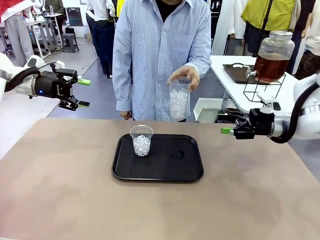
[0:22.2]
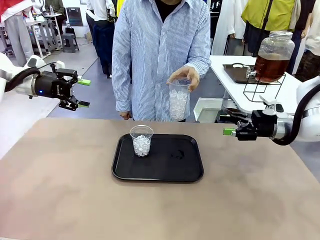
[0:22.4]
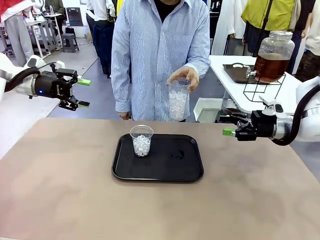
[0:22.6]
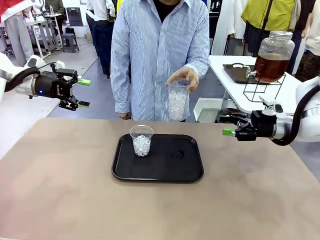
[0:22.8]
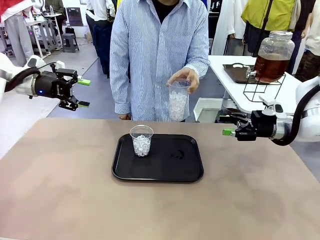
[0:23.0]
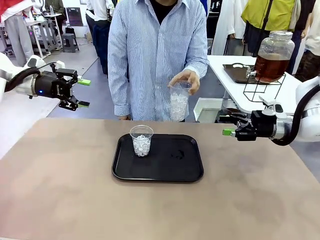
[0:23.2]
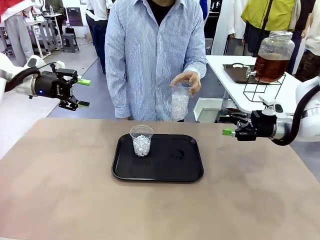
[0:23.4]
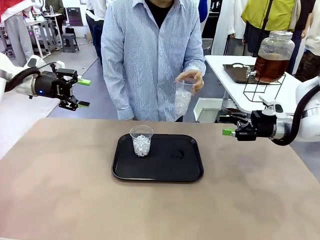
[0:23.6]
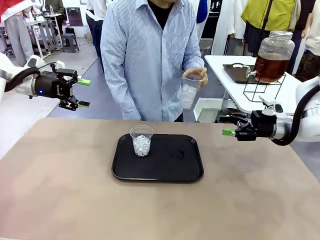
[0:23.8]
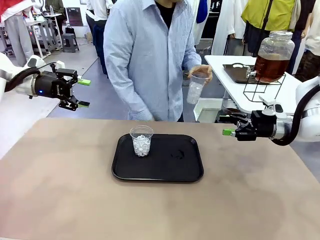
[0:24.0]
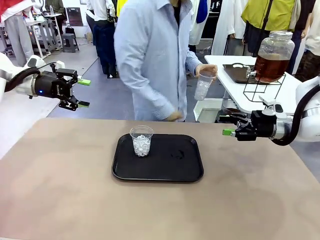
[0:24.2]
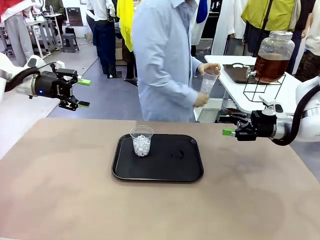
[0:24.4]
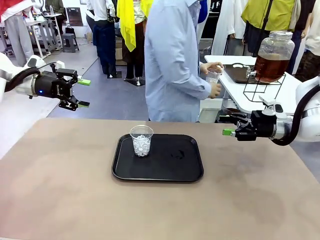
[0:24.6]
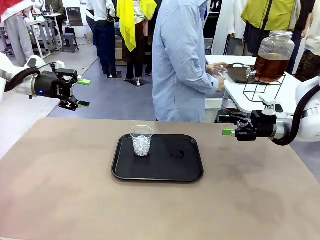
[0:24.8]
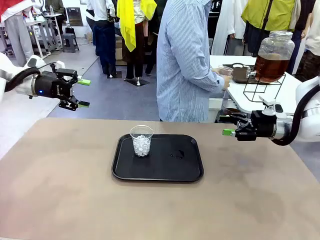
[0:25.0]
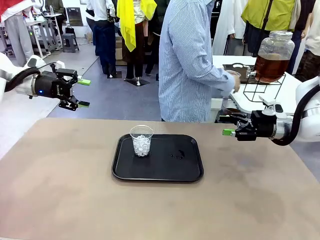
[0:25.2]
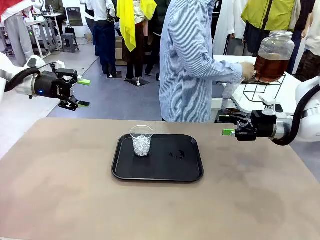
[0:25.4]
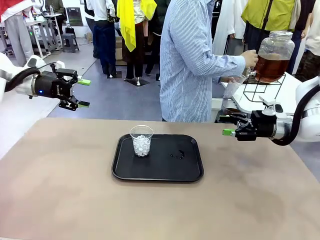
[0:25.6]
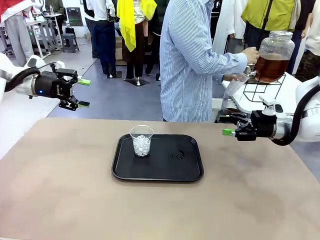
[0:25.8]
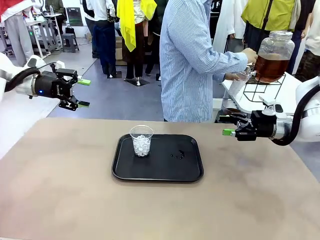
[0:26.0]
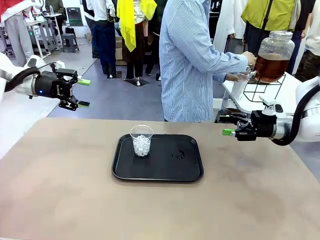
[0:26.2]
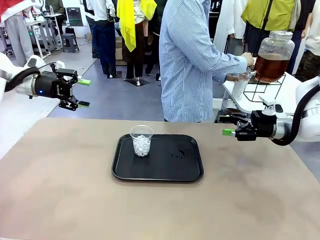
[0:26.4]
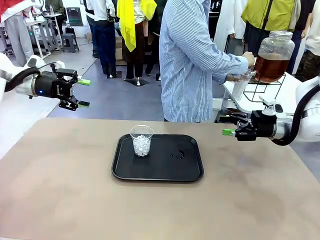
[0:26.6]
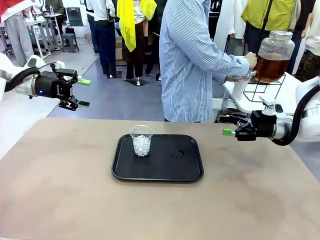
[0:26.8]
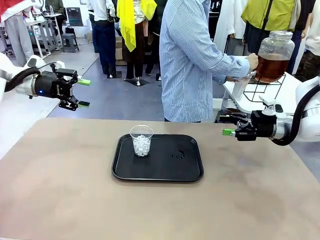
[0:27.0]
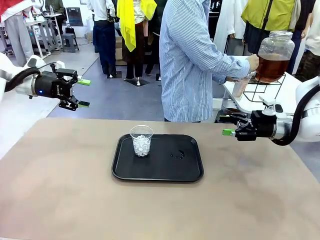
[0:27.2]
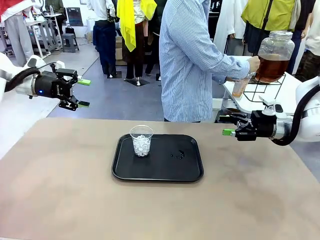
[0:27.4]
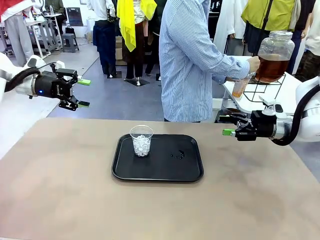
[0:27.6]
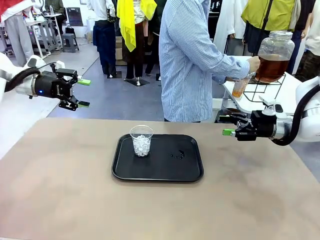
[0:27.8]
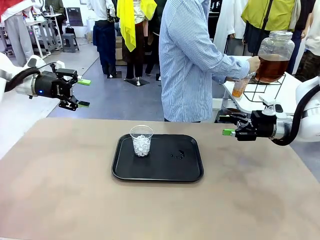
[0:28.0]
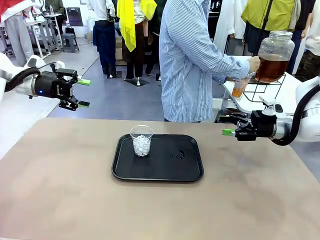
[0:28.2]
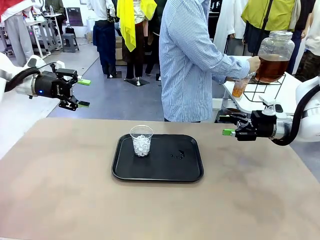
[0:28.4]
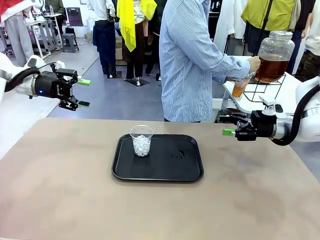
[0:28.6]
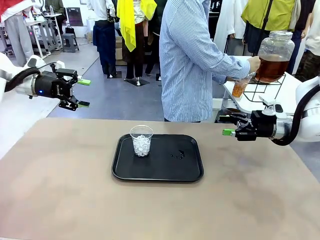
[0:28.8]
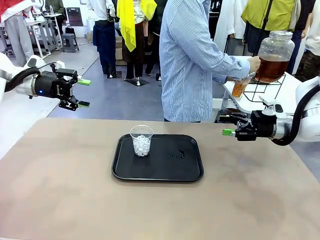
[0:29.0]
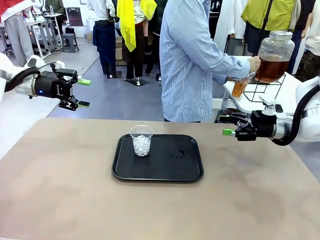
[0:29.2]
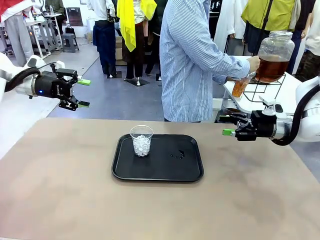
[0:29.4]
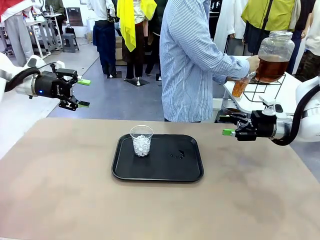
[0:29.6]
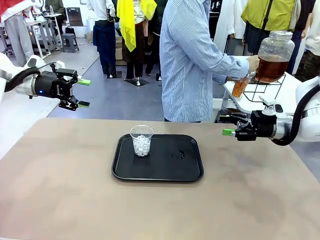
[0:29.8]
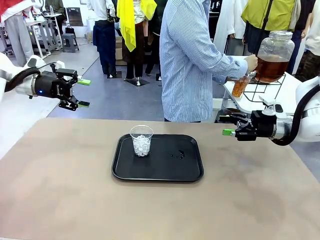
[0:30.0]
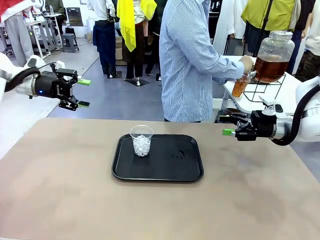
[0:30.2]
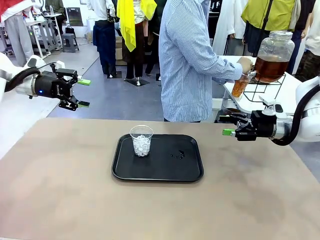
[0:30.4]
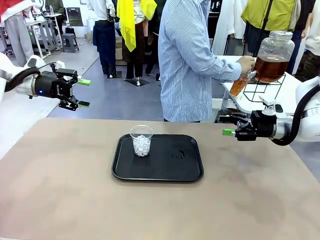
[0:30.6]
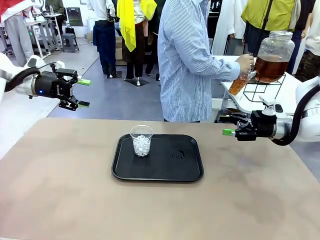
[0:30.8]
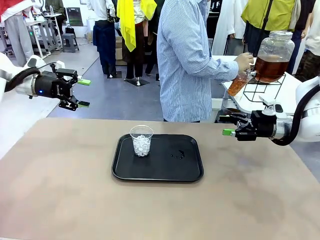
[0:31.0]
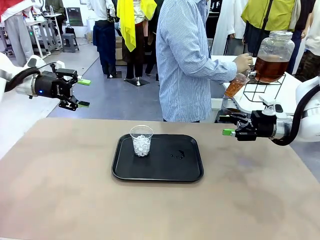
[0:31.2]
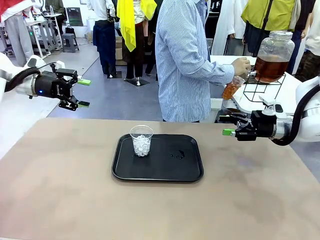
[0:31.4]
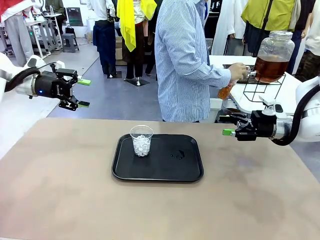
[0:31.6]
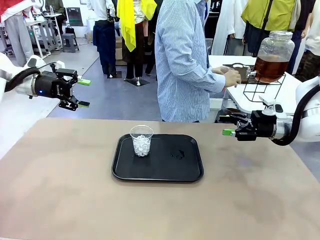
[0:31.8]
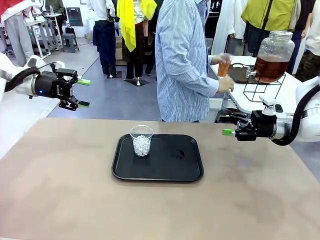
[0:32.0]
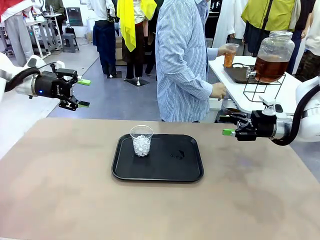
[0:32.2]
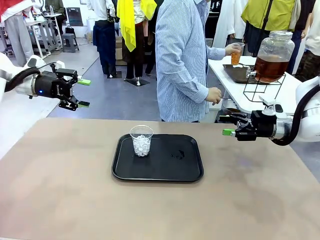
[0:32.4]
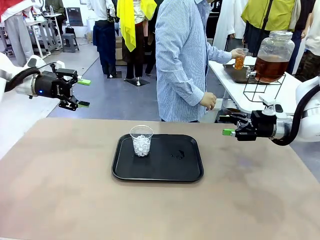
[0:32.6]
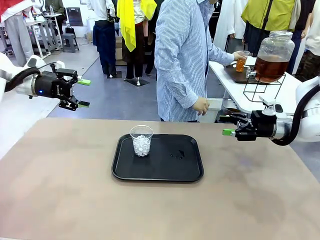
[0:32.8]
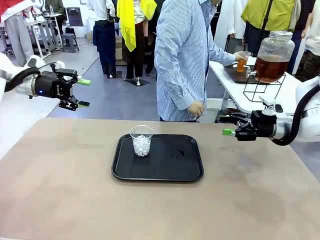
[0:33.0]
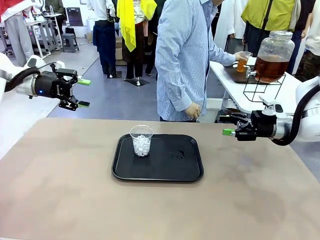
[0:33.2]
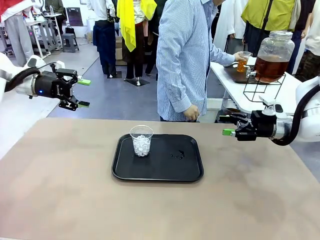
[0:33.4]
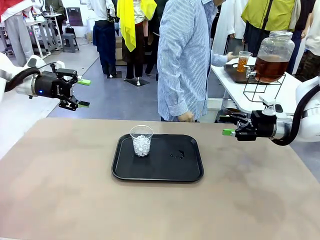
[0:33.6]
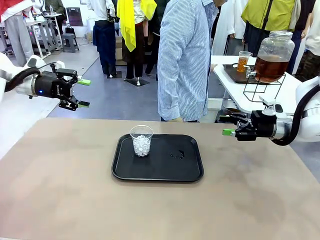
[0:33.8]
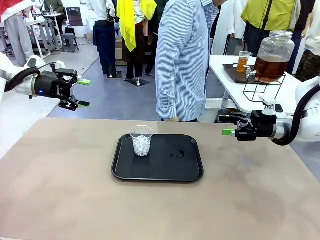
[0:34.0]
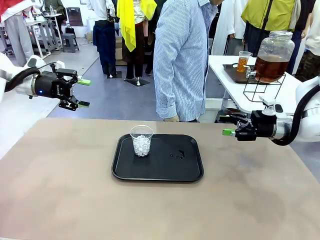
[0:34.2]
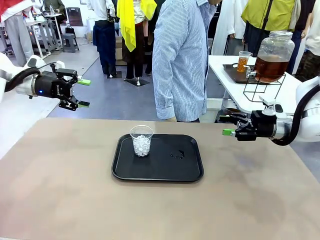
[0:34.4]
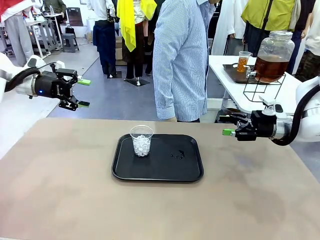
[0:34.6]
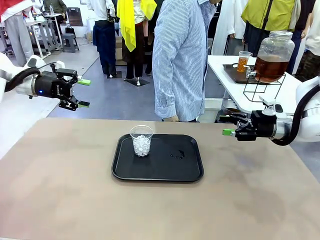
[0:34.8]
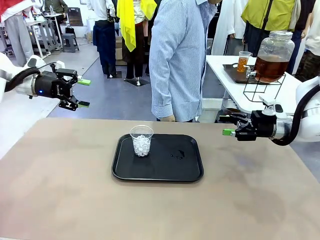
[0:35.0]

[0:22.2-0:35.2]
Task: Pour the drink into the iced cup.
Robot: Pick up the iced cup indicated by the human and present it to them.
Person: Move the picked-up cup under the dispenser faucet, pour the drink, and place it on the tray on the human table.

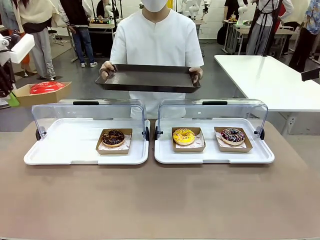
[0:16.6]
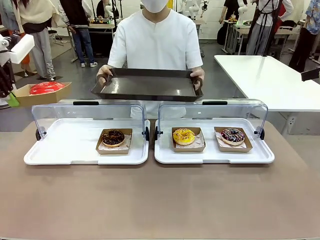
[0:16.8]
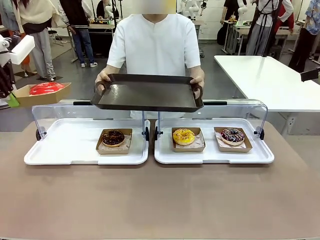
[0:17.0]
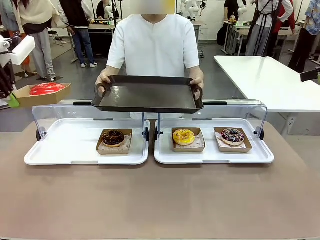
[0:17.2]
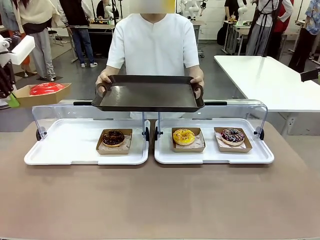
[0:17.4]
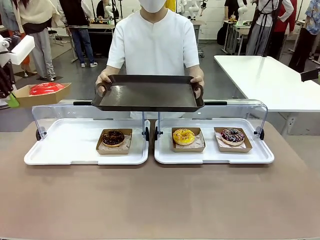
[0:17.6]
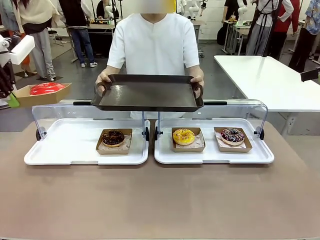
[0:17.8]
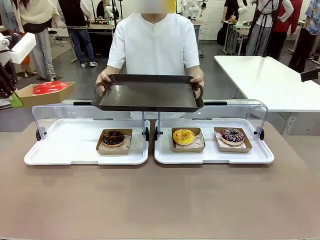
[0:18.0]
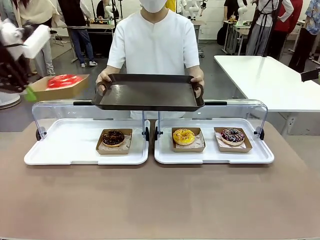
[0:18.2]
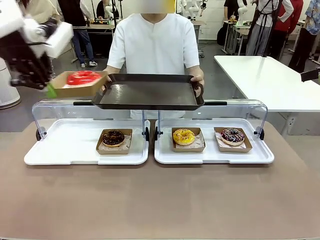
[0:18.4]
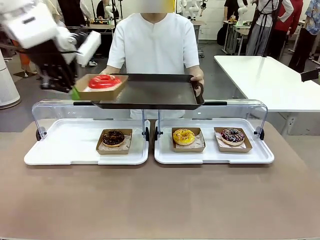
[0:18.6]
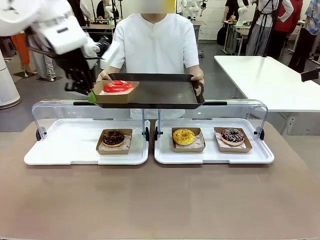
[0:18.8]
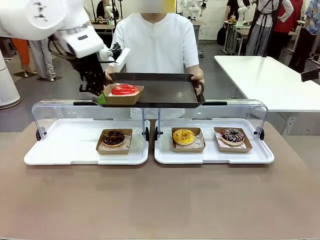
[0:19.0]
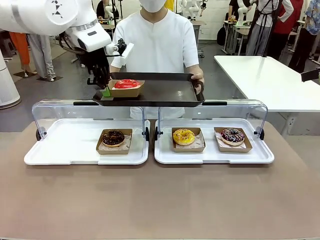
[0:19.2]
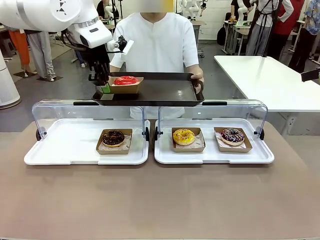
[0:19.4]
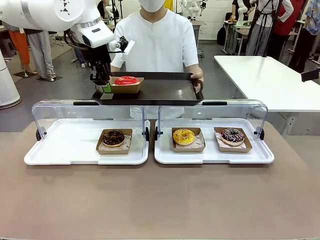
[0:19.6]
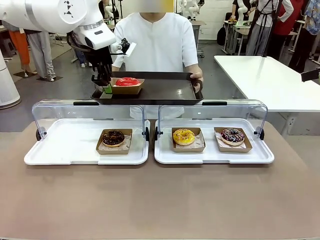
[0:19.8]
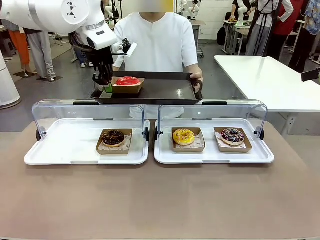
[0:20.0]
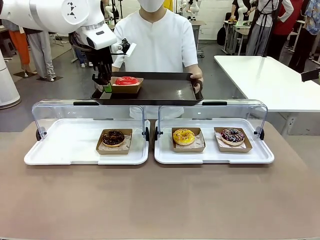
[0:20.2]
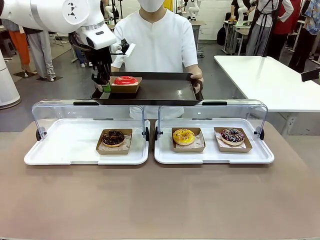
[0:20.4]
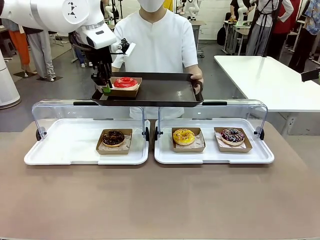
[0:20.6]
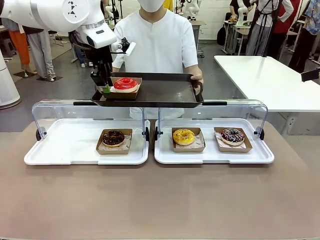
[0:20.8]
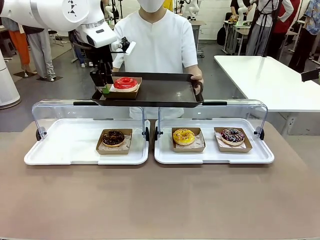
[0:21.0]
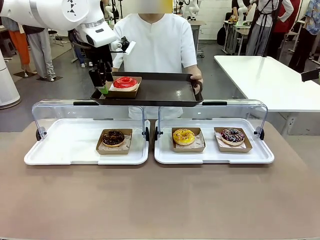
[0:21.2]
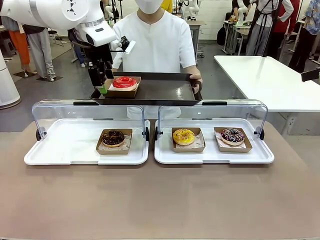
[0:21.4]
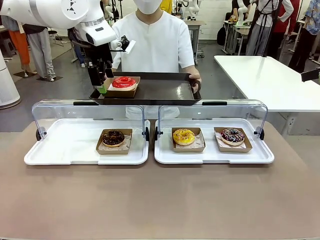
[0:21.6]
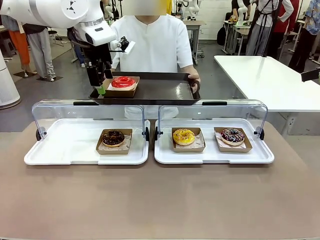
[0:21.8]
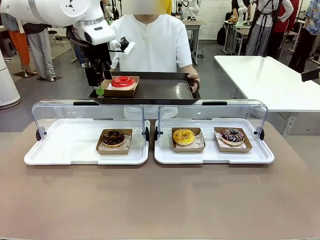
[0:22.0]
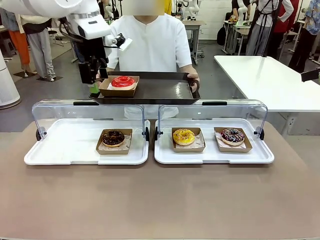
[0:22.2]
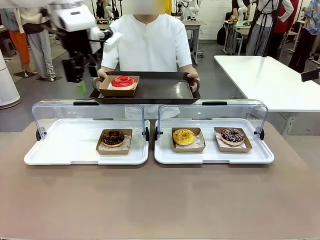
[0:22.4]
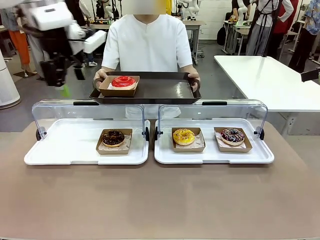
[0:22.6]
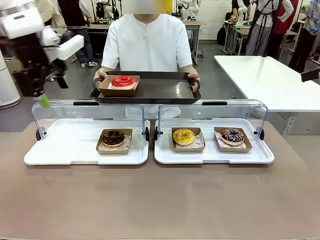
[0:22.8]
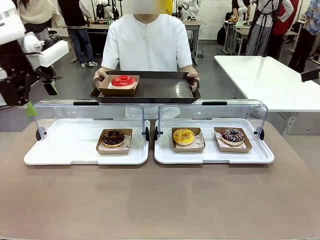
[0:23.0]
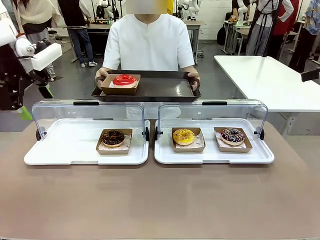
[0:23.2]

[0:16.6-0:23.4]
Task: Provide the desired donut to the person.
Robot: Place the picked Paper togo box onto the Handle tray extended by the person.
